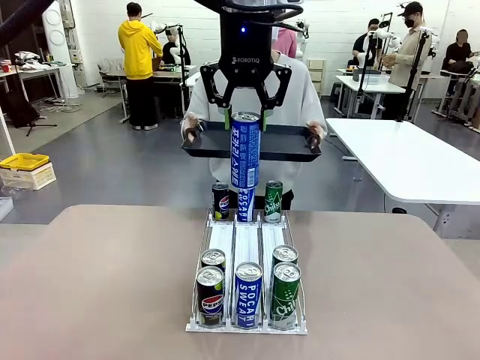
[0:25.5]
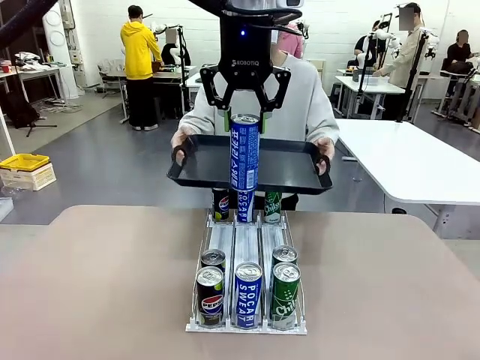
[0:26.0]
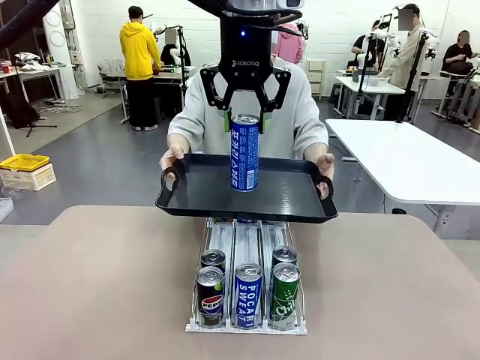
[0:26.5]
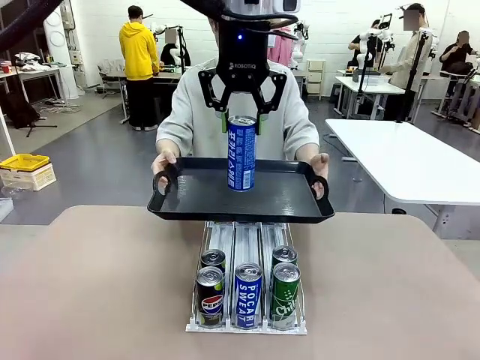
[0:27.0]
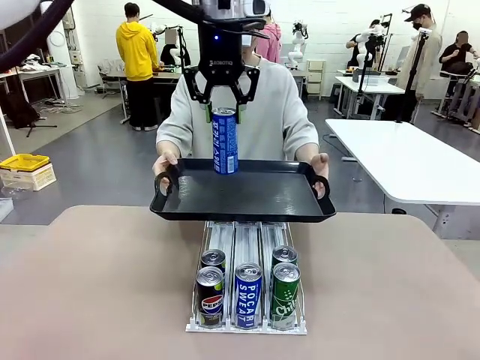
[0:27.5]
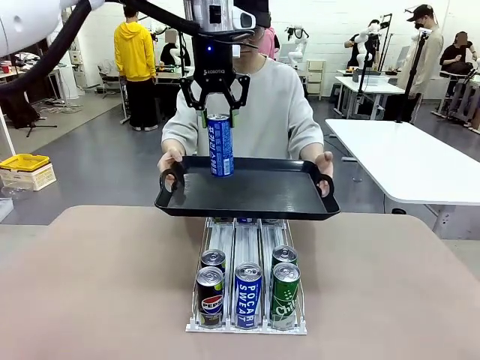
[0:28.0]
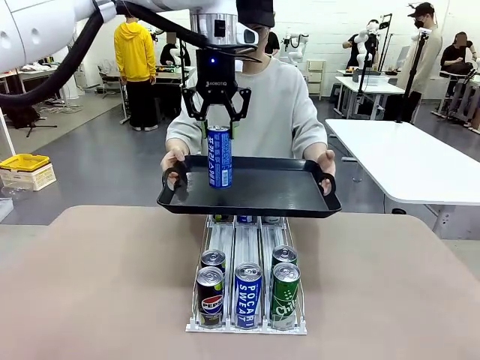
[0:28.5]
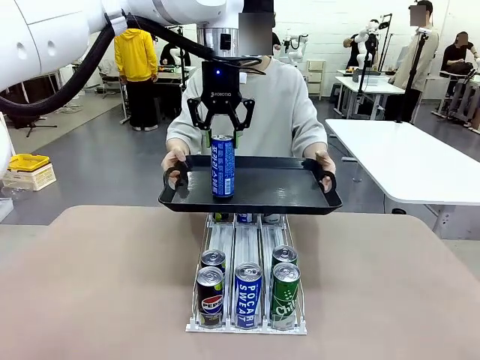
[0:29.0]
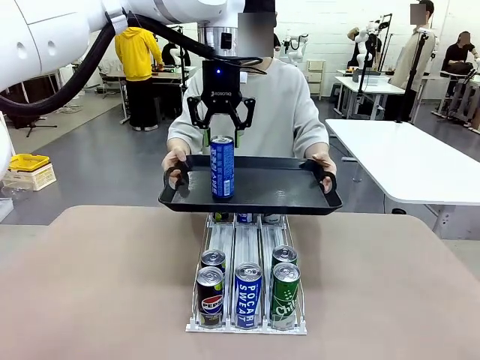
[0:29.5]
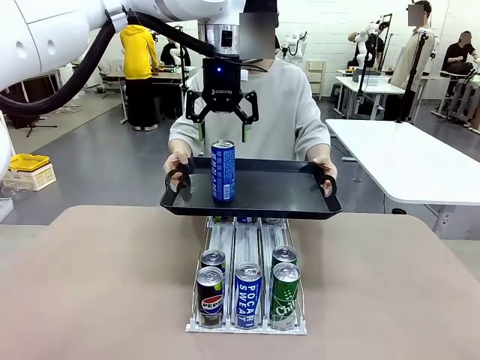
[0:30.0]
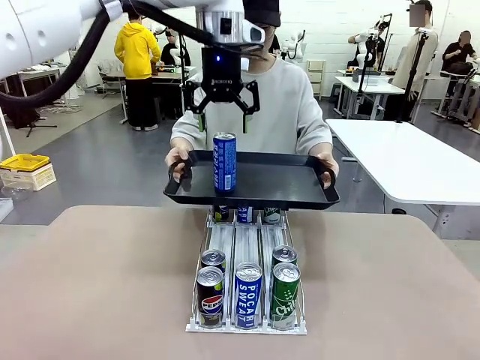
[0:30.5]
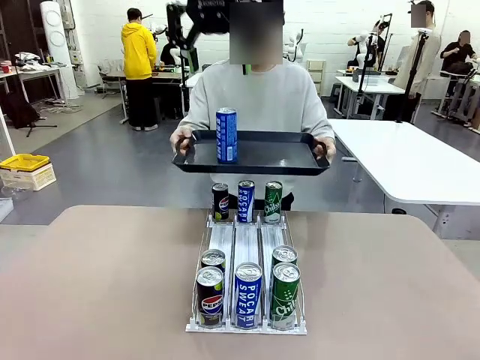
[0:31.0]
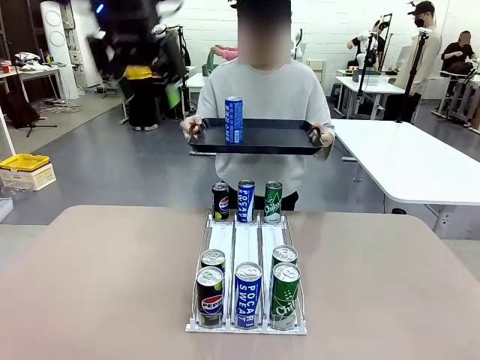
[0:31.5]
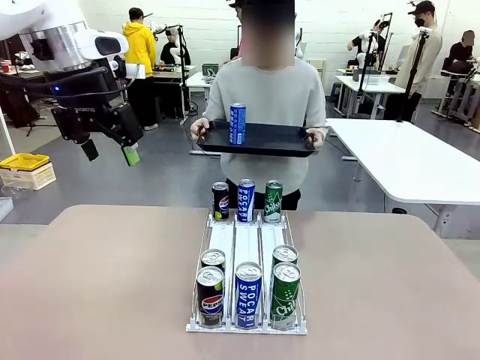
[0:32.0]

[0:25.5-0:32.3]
Task: Retrieve and hand over the desired beverage to the person.
Robot: Place the picked can on the Handle tray extended by the person.

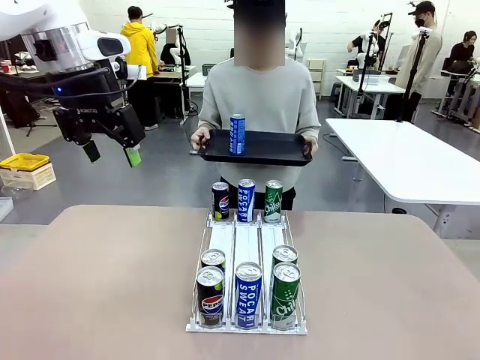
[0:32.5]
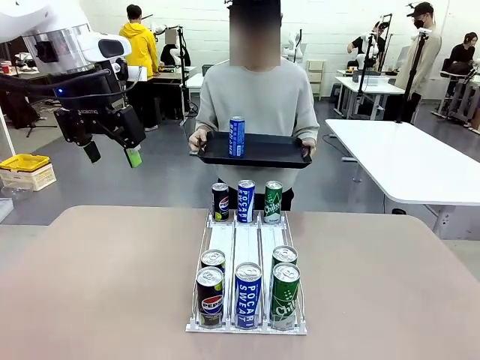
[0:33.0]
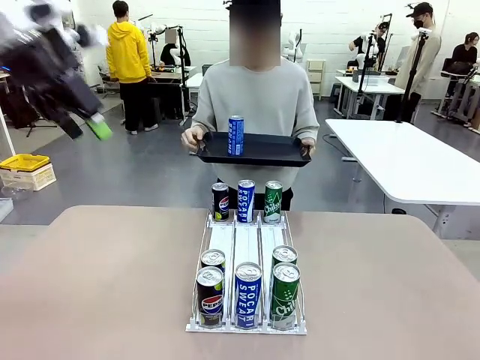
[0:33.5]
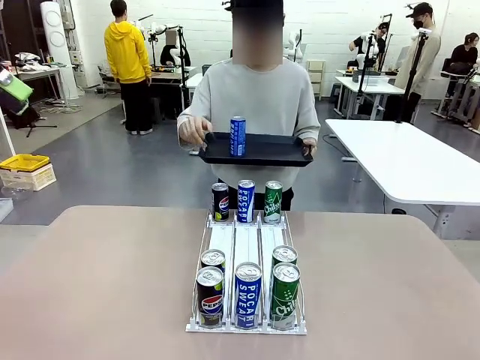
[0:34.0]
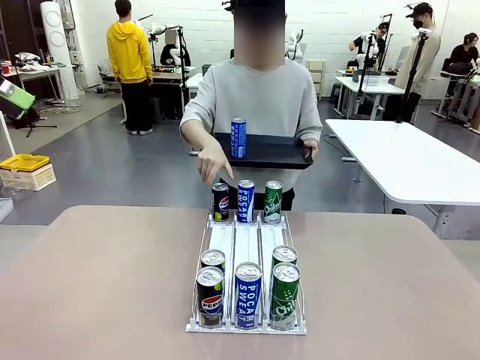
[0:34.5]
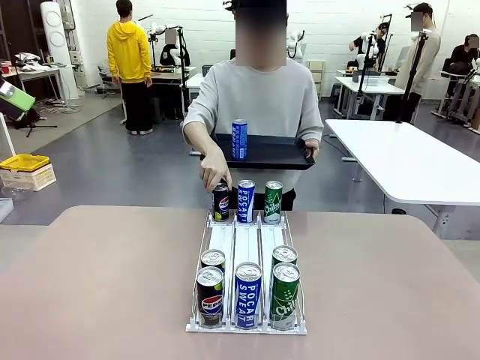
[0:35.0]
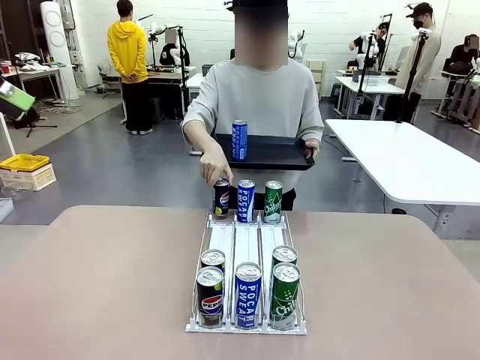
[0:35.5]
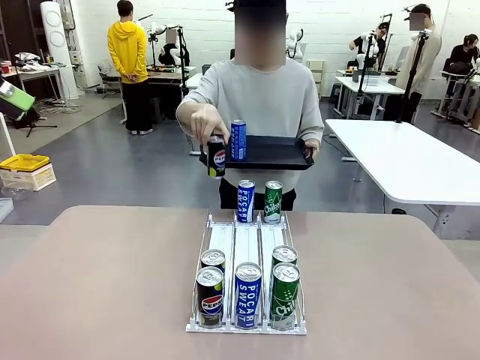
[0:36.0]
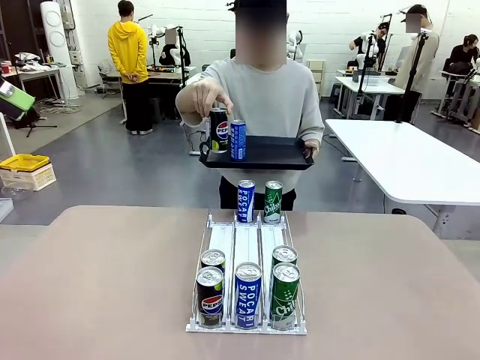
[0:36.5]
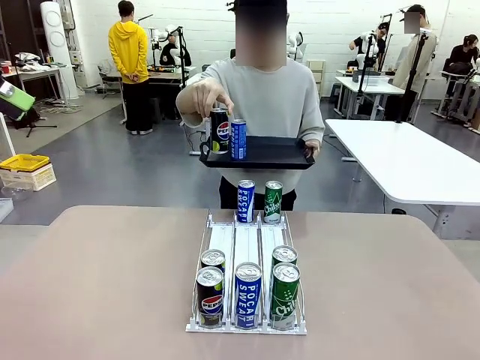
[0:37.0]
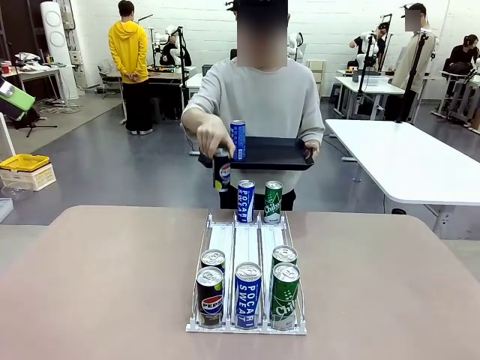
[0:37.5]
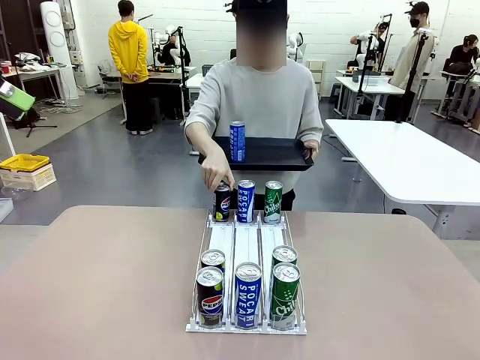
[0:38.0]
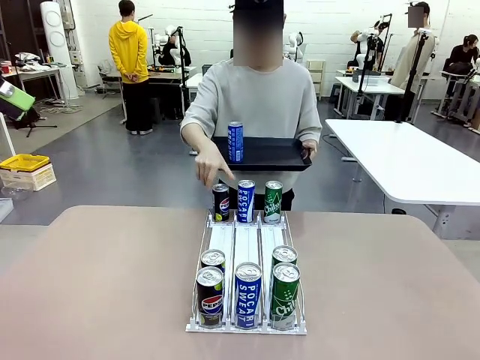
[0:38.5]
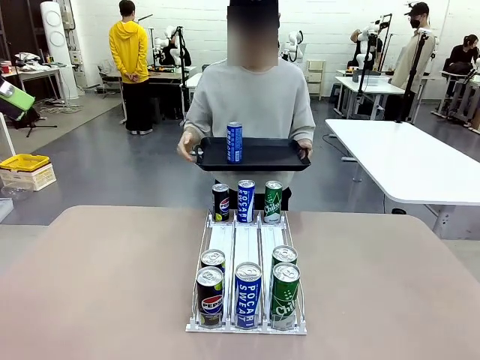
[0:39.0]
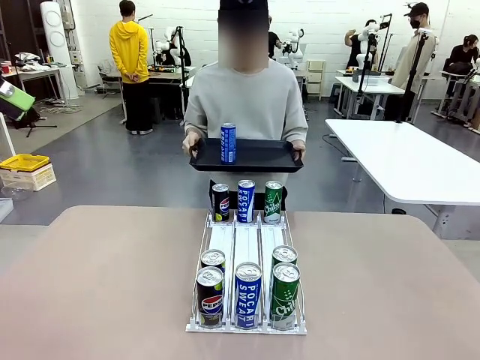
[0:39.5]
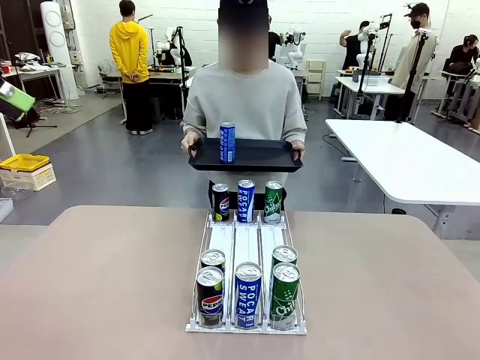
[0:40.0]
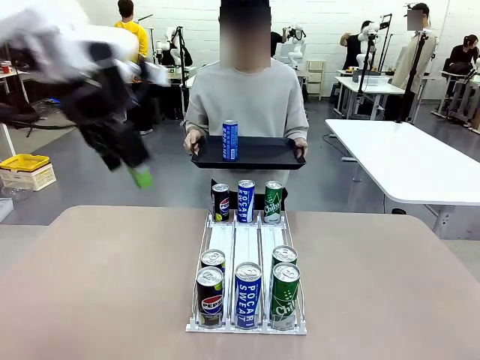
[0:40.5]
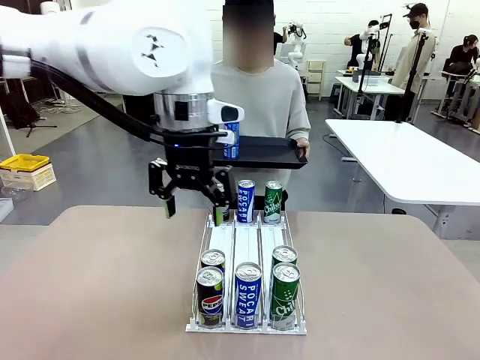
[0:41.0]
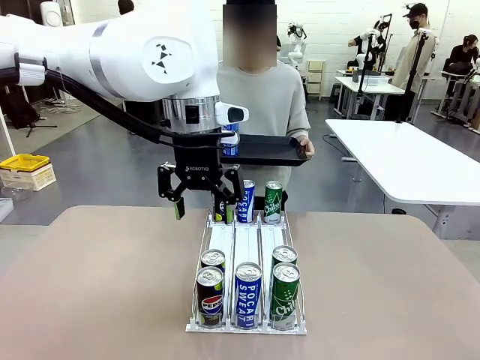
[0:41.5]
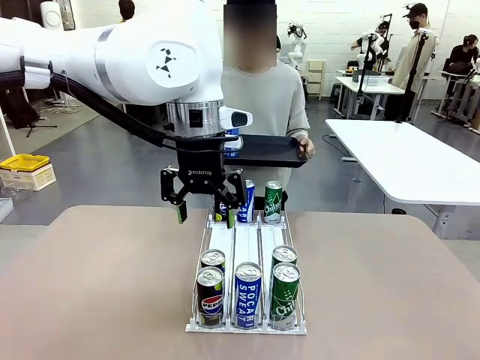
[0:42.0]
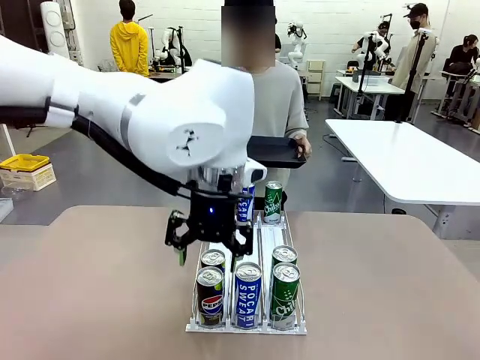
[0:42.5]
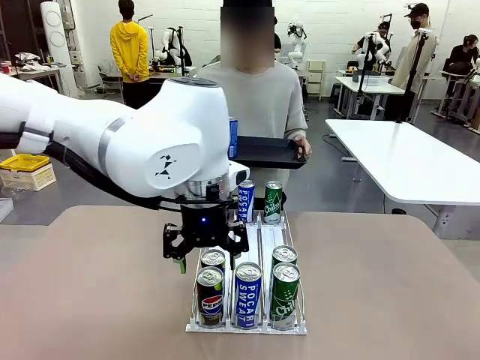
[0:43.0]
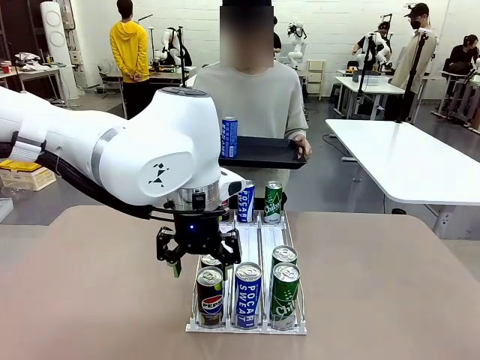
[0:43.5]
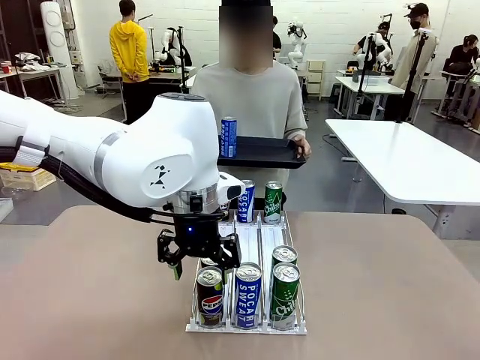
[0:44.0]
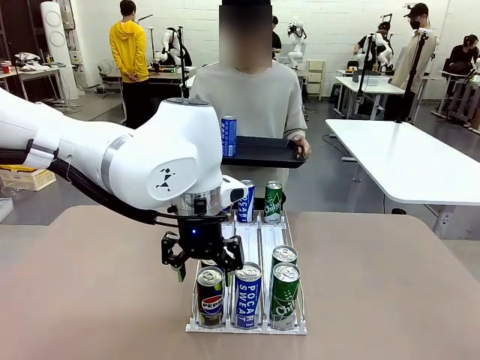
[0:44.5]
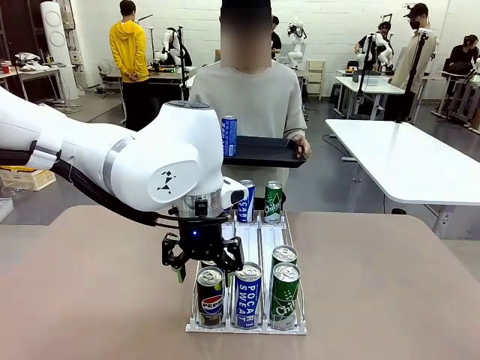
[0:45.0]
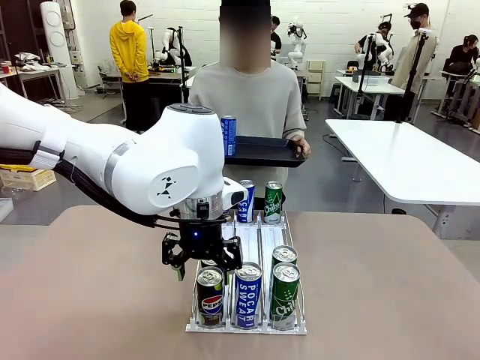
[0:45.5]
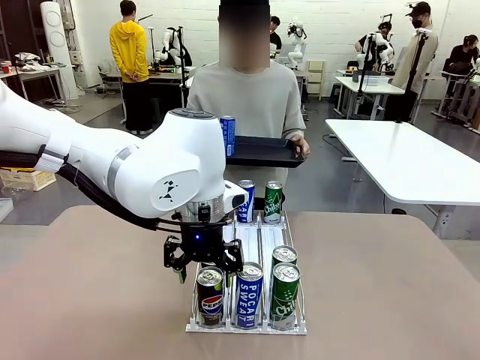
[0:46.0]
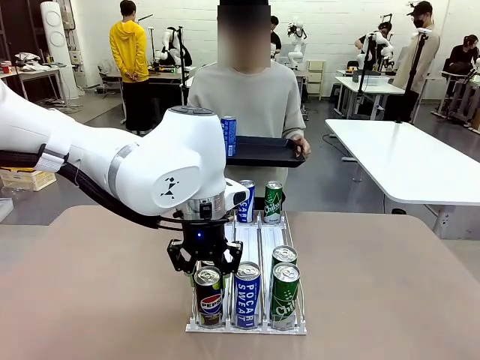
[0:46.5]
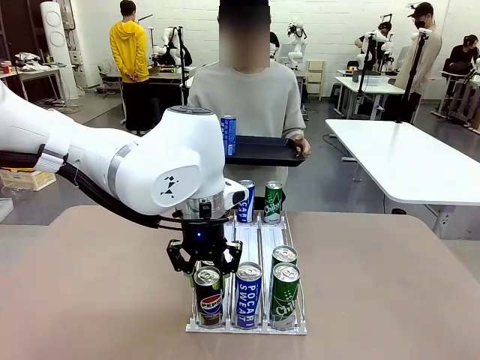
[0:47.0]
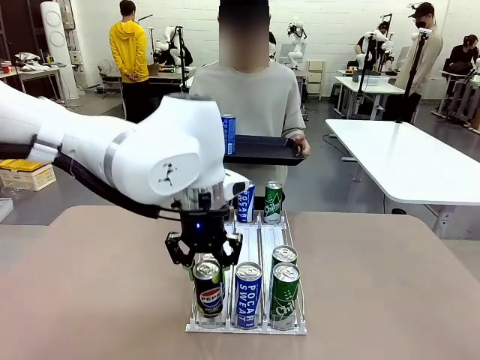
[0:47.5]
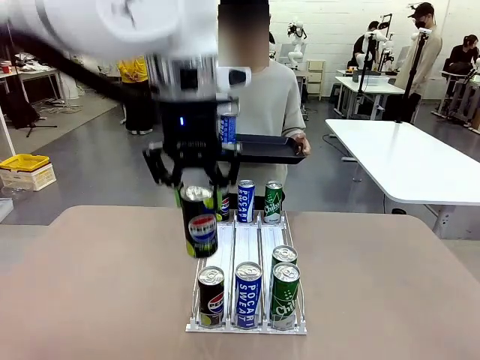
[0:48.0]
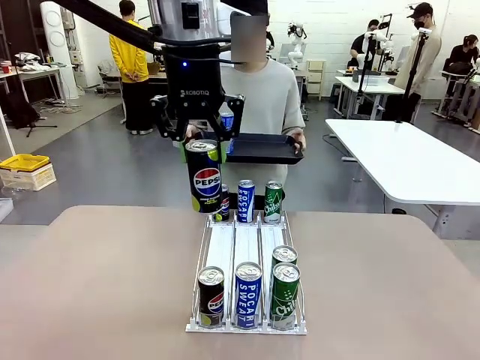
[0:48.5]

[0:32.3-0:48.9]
Robot: Pick up another can of the same type that the person held from the Automatic Can Dispenser.
Person: Pull the tray back, then pick up another can from the bottom area of the table and puts it back in its original place. Push the tray toward the robot again.

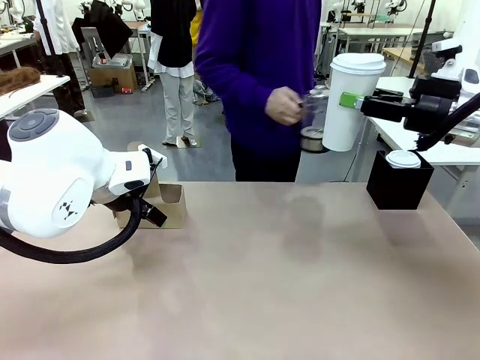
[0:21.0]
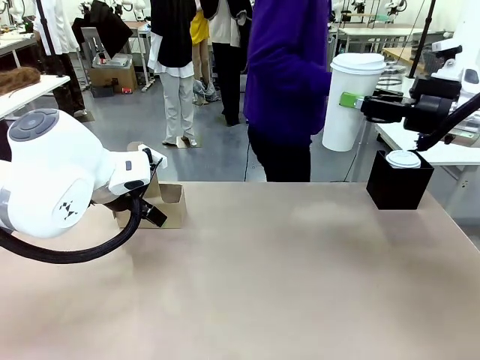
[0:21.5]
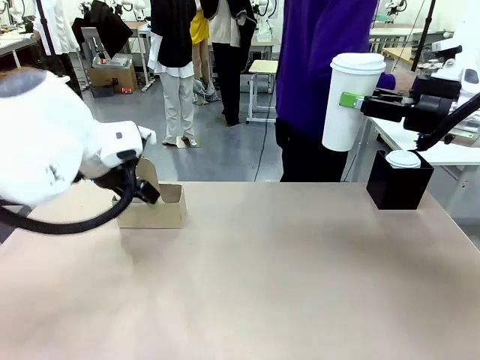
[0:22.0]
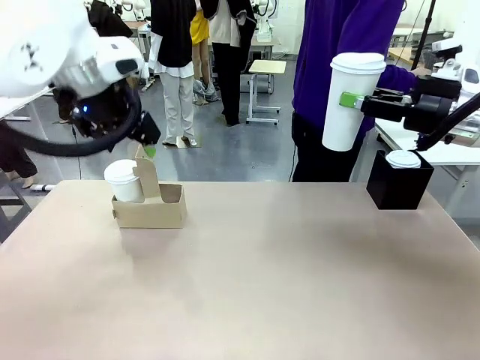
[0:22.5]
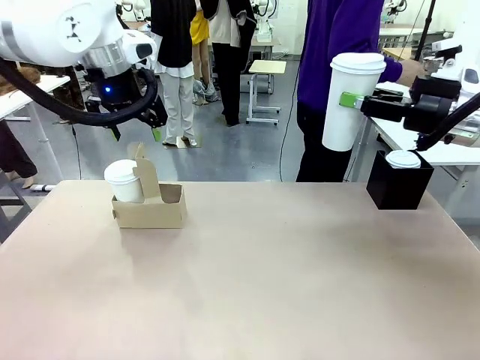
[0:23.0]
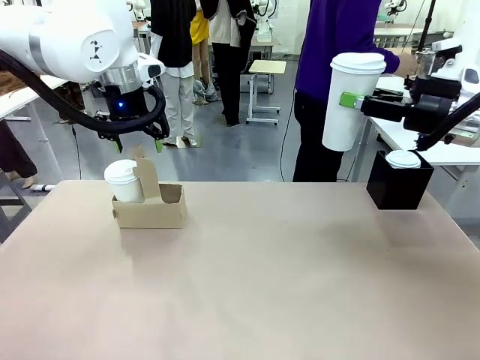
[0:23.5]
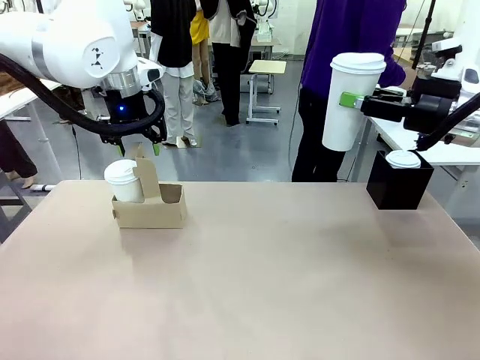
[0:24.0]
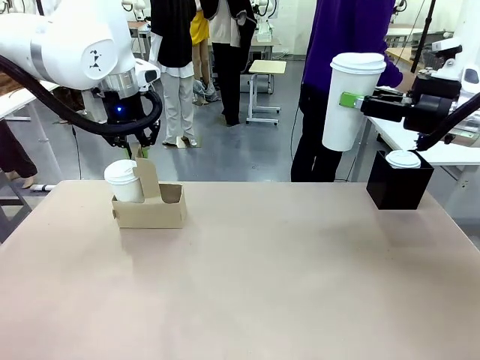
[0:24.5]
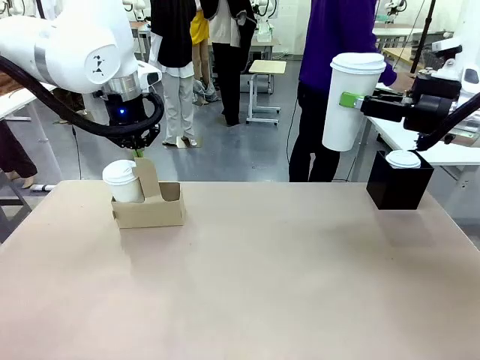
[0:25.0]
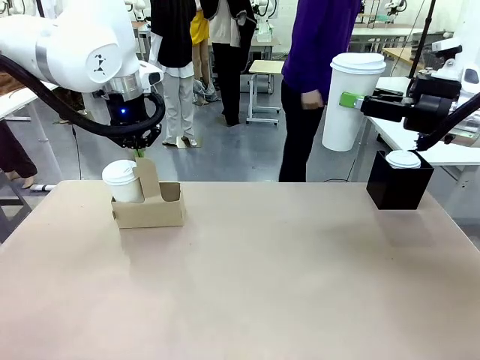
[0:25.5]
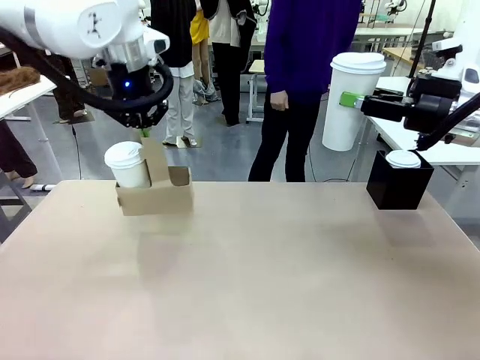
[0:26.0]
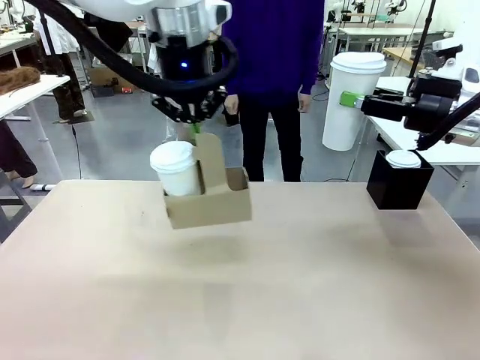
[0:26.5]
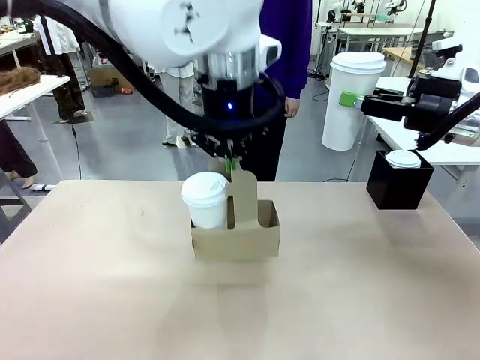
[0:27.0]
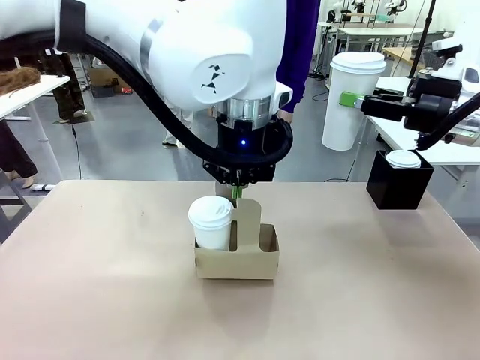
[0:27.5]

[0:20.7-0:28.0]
Task: Pour a drink into a cup and package it in a carrier.
Robot: Position the Cup Carrier in the center of the table.
Person: Pick up the Filter Brewing and place on the middle of Human table, and return to the Robot table.
